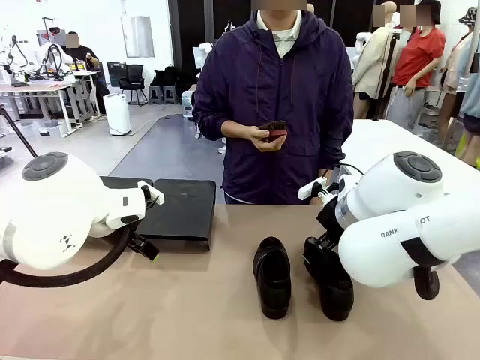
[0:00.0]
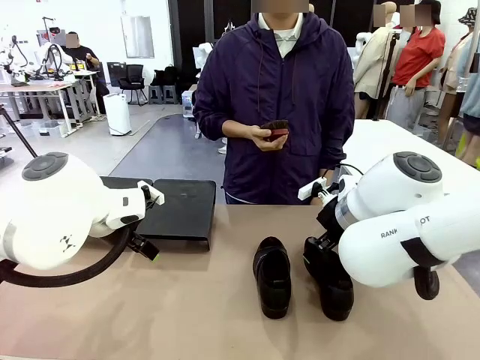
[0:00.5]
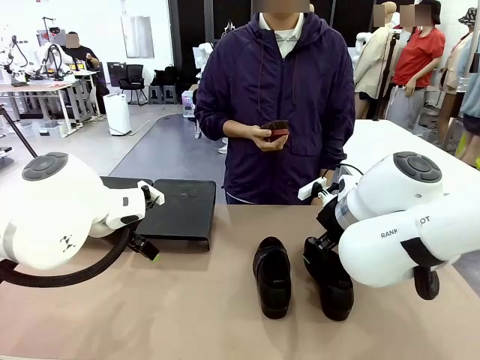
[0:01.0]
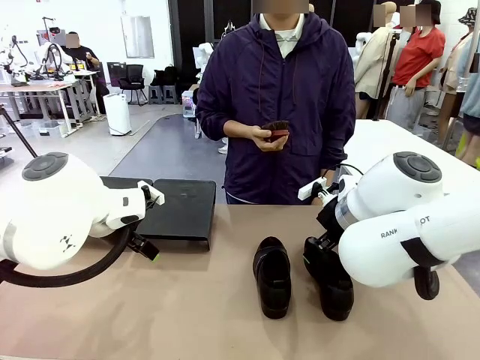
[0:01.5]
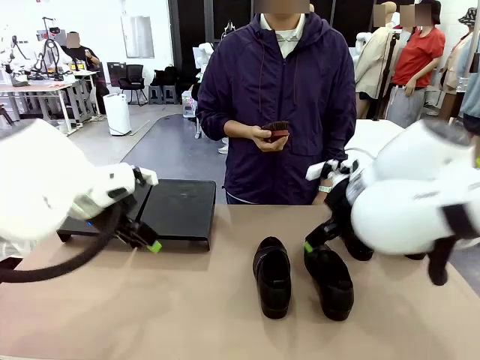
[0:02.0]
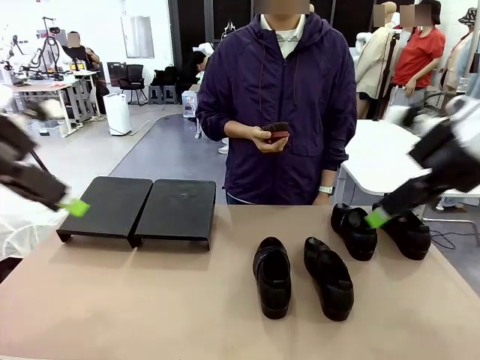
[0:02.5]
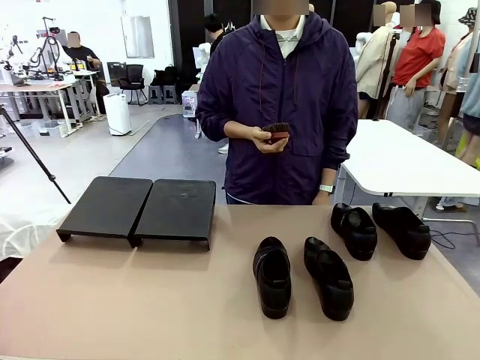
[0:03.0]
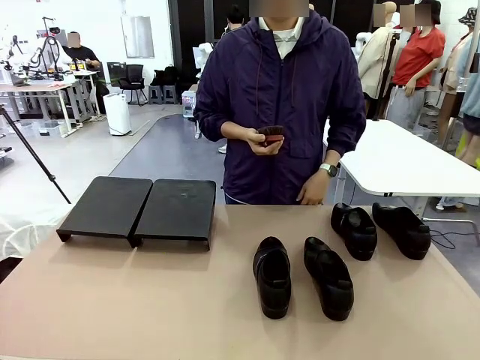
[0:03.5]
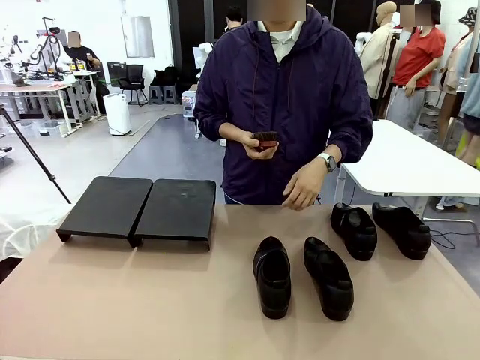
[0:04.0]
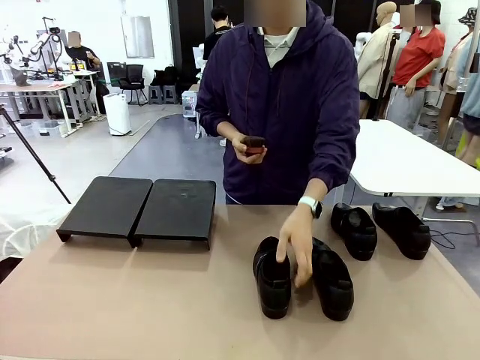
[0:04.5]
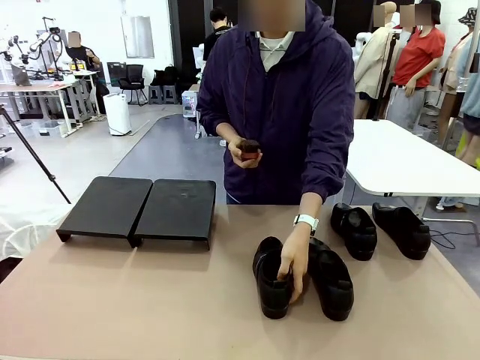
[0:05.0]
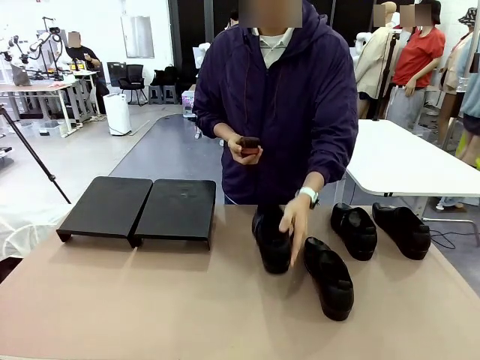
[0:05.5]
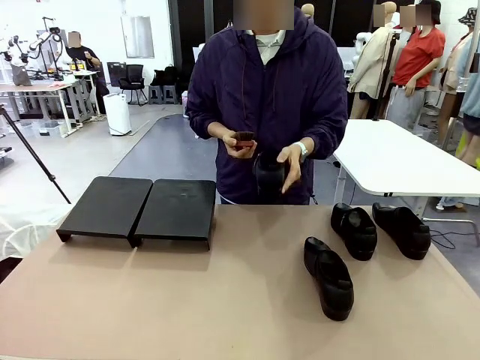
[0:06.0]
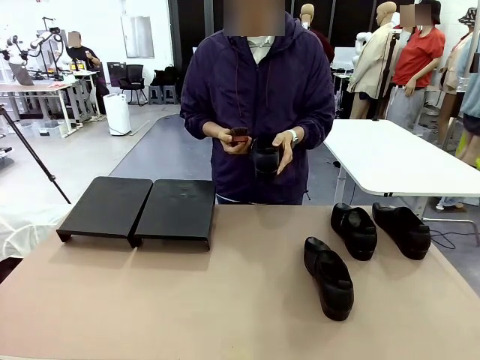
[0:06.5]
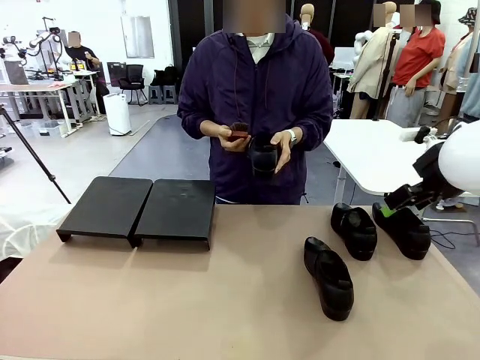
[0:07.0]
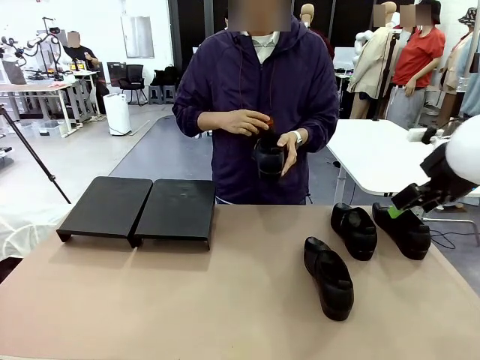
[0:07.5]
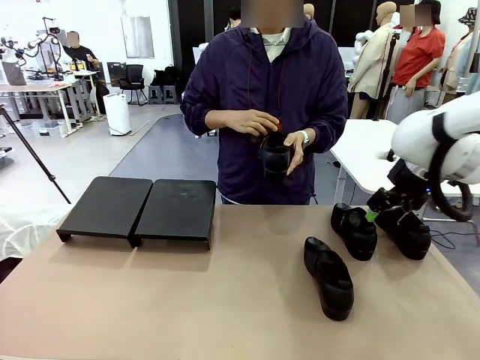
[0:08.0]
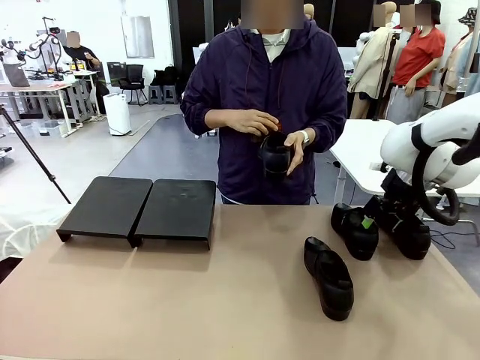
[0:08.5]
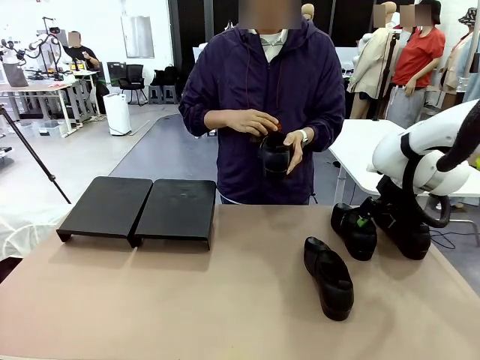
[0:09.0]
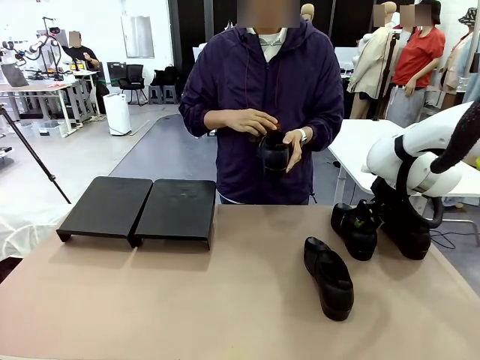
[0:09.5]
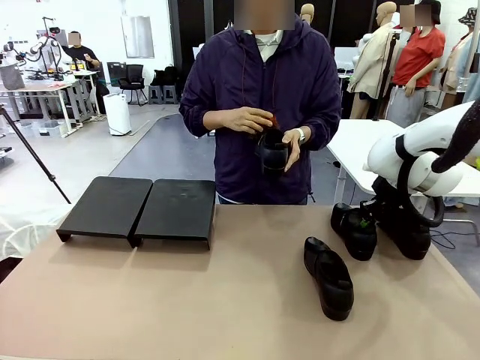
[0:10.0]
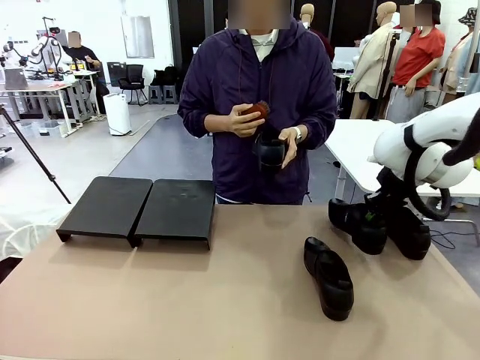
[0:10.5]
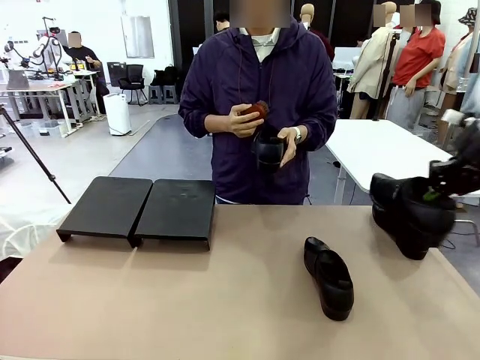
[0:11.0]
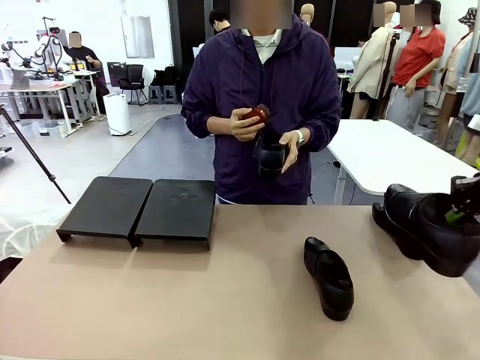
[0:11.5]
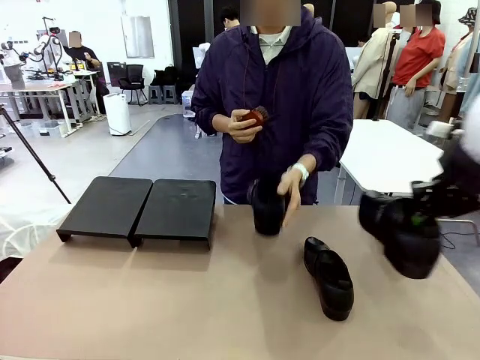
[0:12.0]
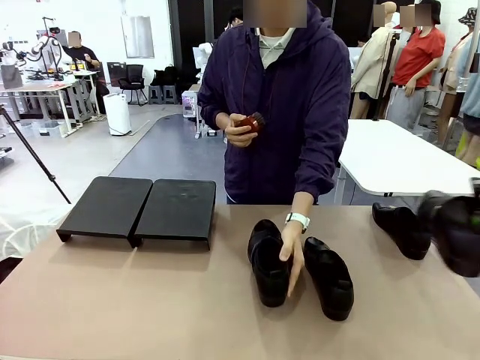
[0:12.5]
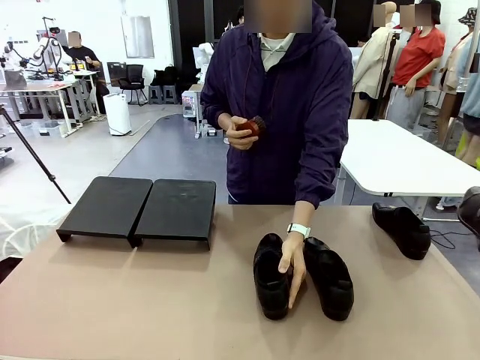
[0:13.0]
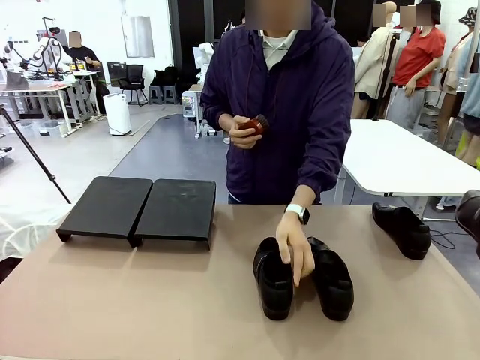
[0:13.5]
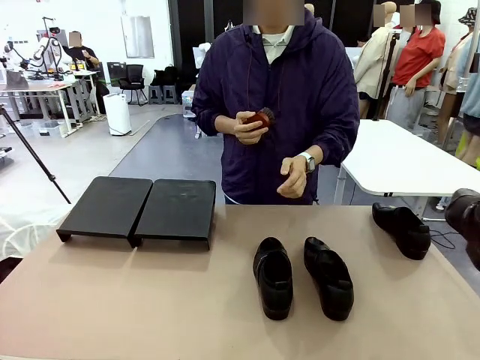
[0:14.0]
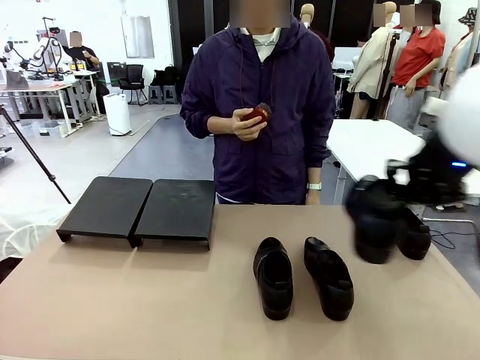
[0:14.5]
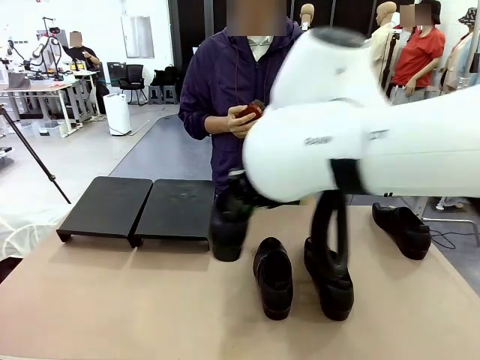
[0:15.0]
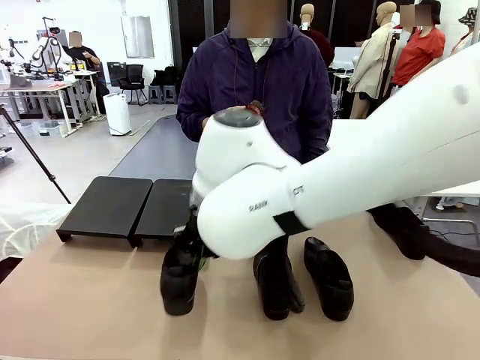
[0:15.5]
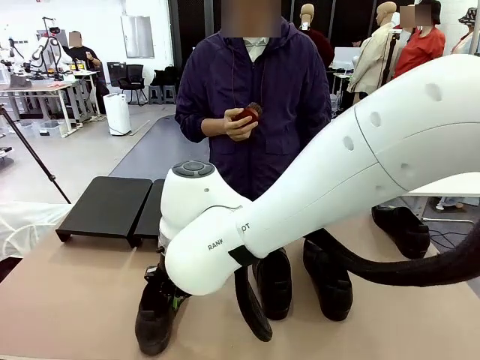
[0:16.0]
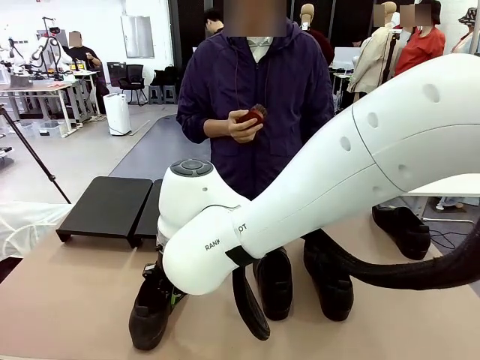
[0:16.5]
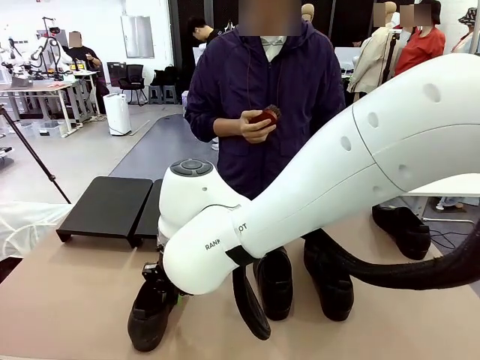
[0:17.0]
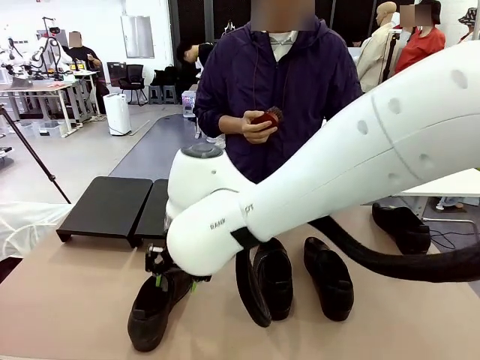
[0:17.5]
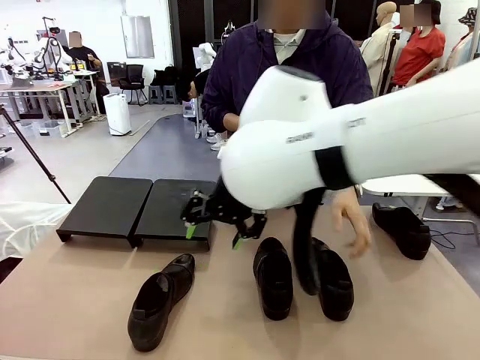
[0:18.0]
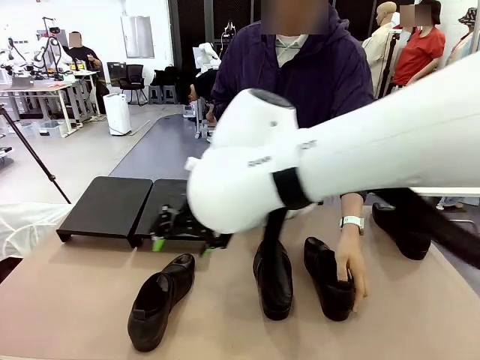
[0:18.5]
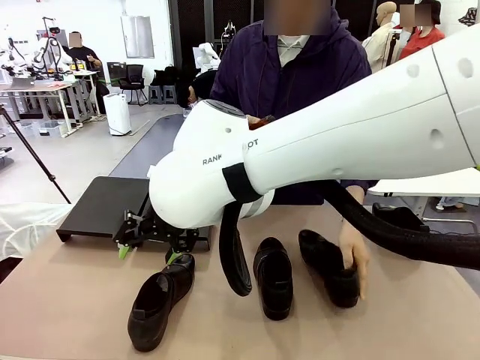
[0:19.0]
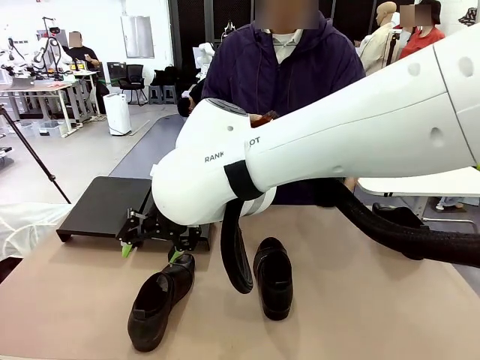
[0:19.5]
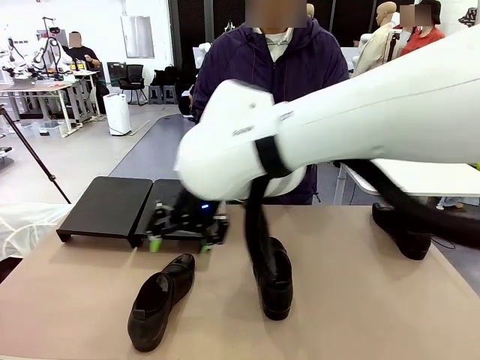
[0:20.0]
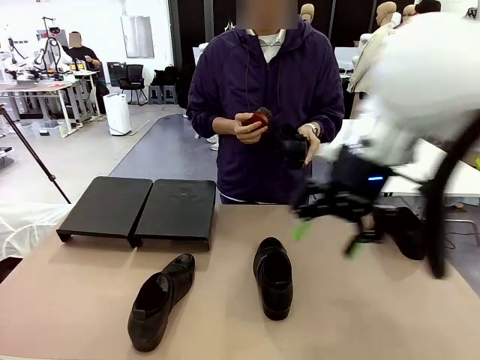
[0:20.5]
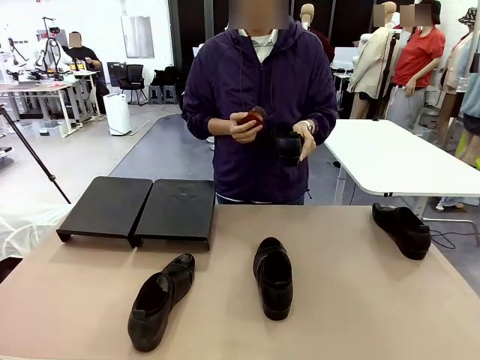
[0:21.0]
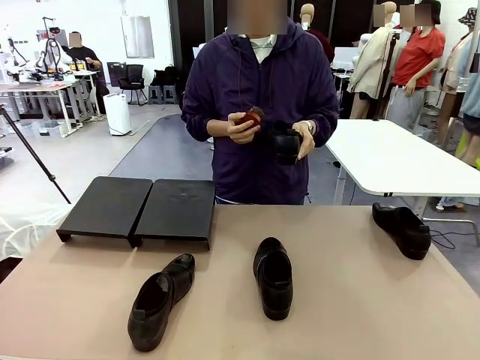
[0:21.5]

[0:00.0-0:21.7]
Task: Organize the shoes by placing them on the stand.
Robot: Pick up one Shoe and place it in the middle of the table.
Person: Pick one Shoe on Robot's table. Clean the Shoe with the Shoe Brush. Place the Shoe on left side of the Robot's table. Pick one Shoe on Robot's table.
